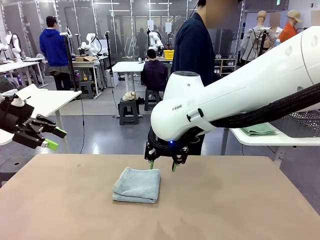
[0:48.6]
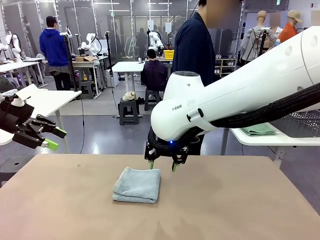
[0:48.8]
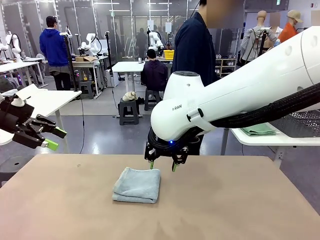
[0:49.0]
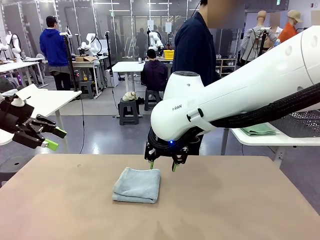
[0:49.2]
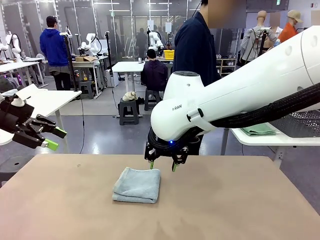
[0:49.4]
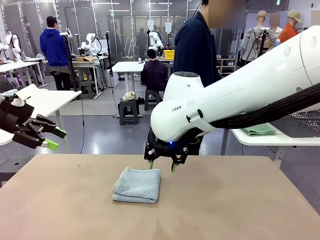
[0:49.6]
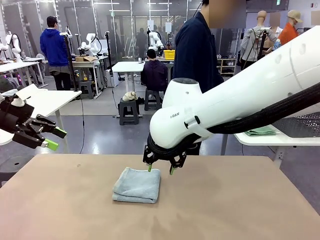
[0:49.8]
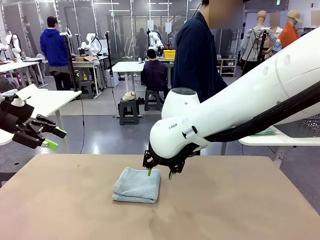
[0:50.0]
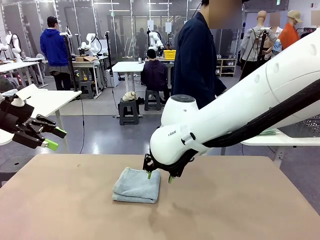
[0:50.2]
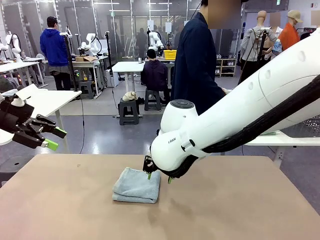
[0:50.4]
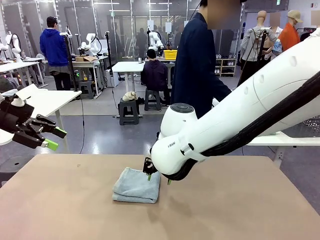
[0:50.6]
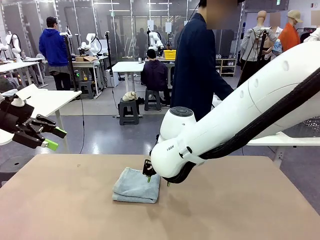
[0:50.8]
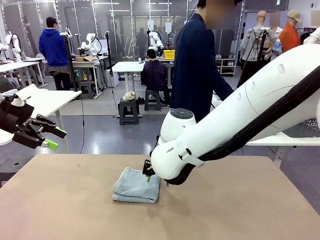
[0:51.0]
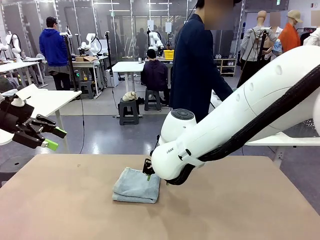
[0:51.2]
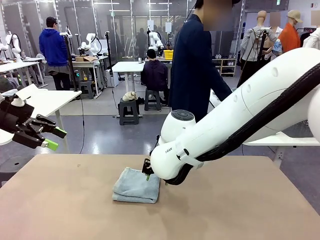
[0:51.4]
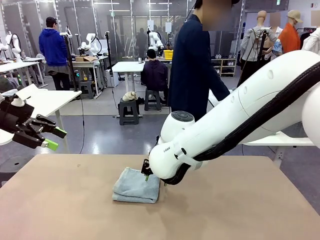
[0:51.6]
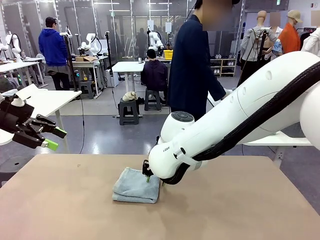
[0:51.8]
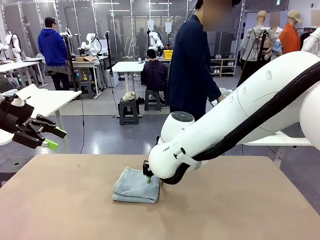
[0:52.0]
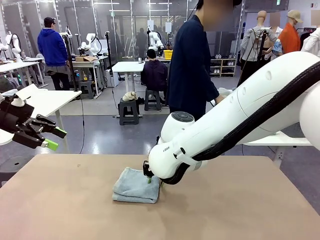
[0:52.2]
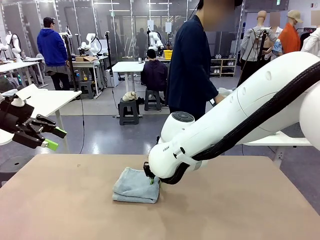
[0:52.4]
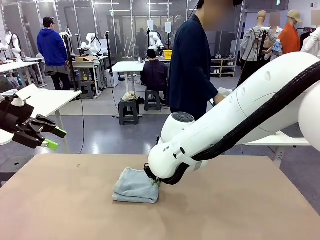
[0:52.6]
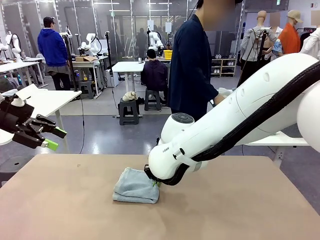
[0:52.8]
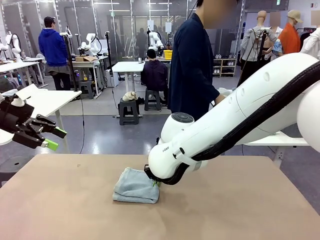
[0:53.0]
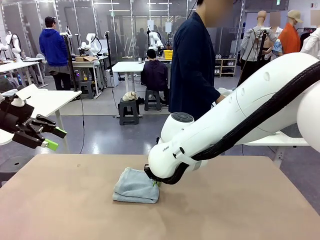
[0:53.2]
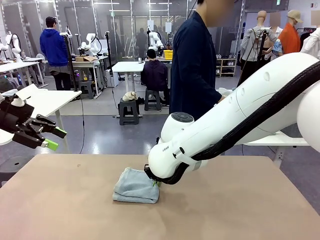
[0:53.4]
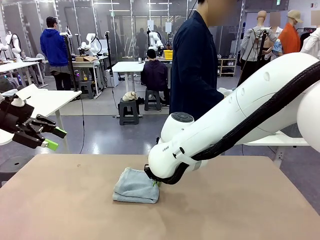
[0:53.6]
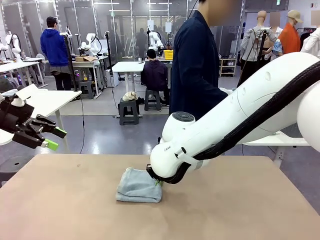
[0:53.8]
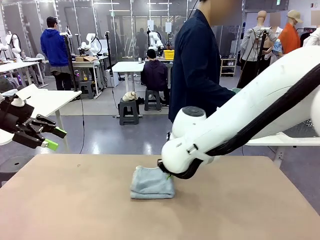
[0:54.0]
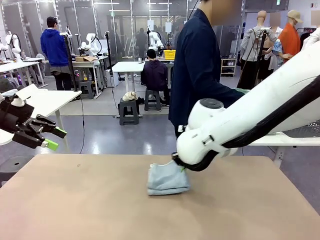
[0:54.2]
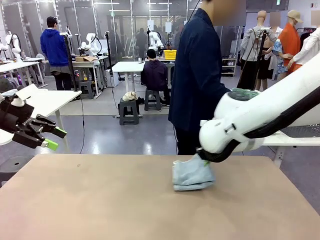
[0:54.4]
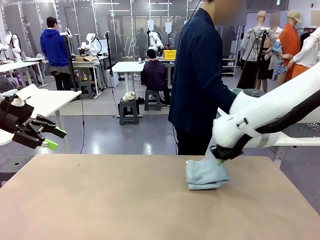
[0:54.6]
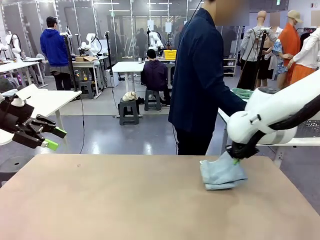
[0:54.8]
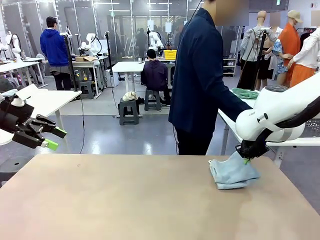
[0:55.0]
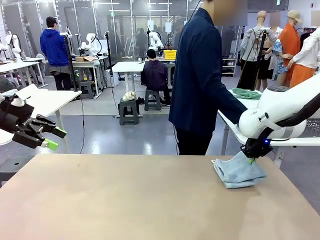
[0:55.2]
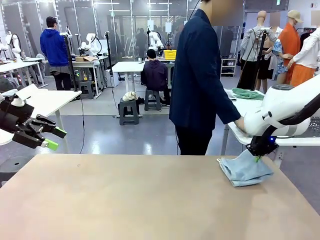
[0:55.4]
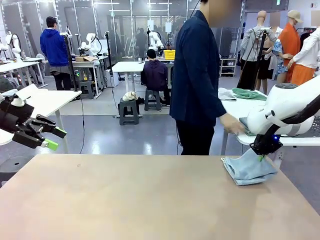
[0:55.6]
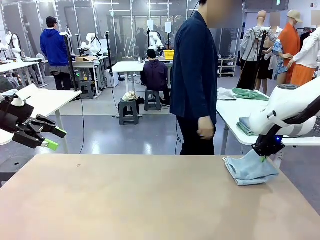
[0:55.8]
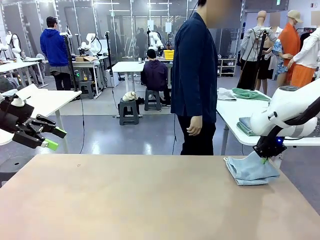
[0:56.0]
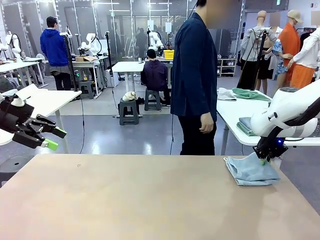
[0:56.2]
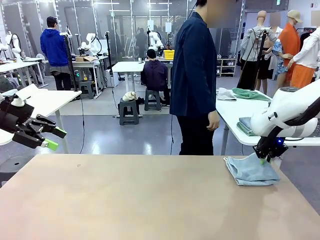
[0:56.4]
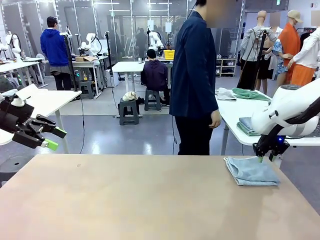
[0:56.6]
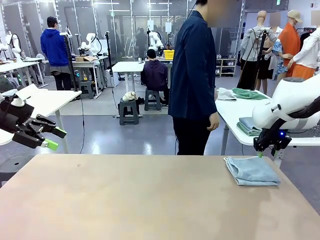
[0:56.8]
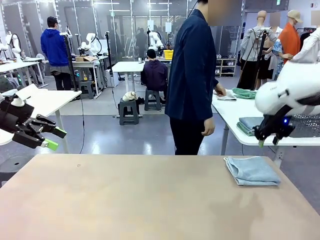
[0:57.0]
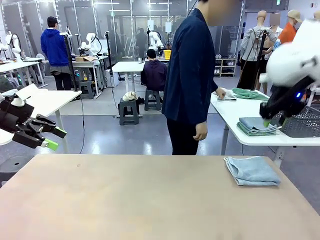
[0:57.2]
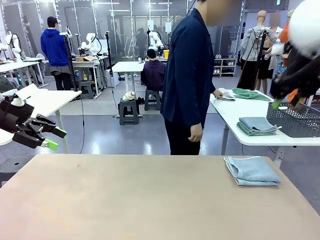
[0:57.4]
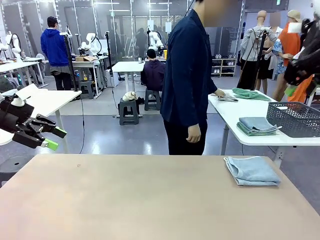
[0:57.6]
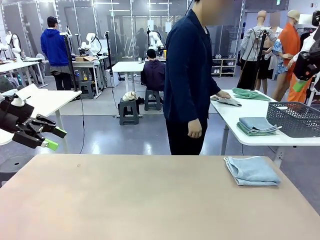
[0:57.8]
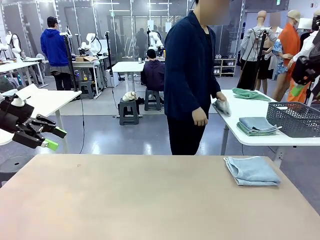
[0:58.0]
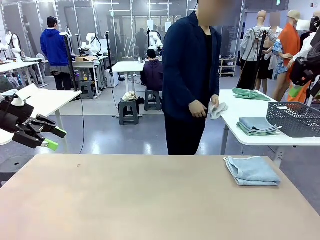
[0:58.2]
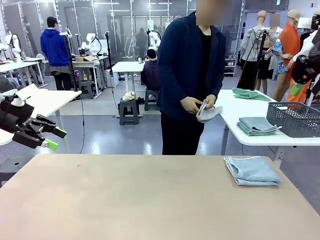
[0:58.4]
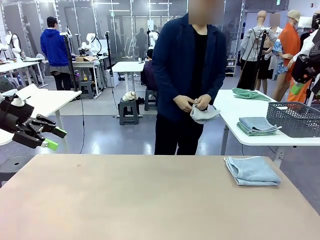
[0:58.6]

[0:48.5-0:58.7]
Task: Fold the towels and place them in the basket.
Robot: Place the folded Towel with hook on the right side of the table.

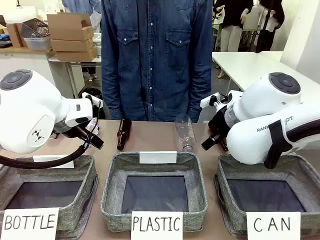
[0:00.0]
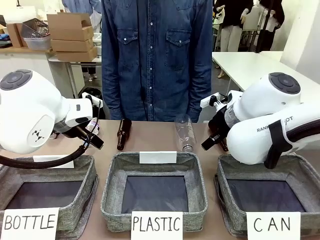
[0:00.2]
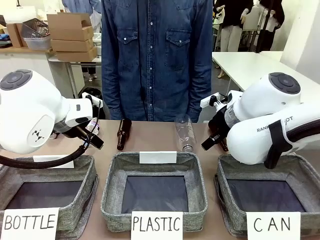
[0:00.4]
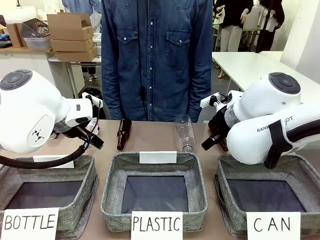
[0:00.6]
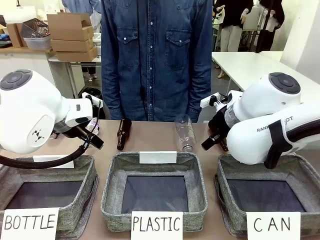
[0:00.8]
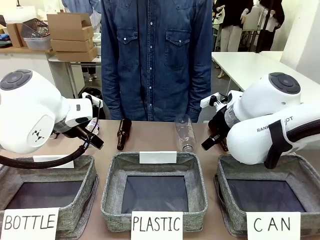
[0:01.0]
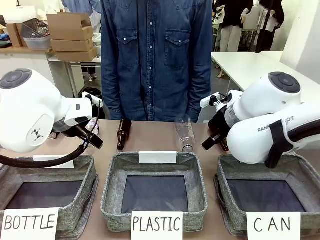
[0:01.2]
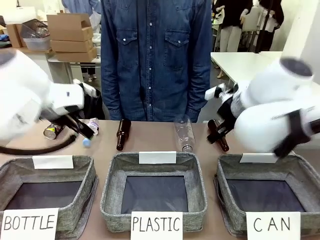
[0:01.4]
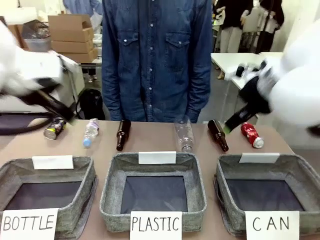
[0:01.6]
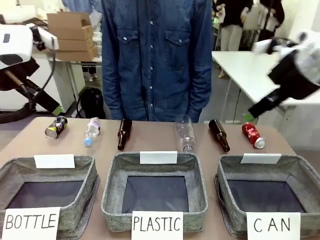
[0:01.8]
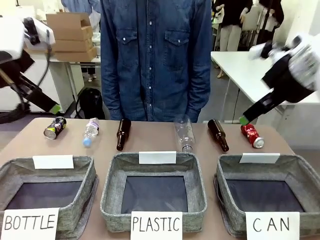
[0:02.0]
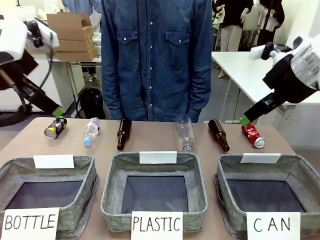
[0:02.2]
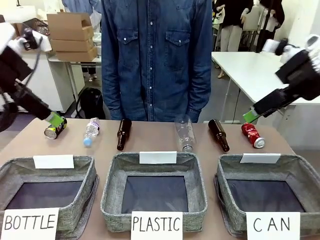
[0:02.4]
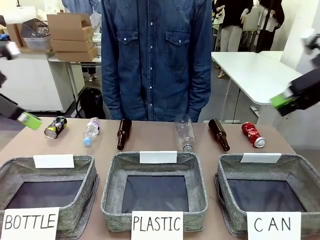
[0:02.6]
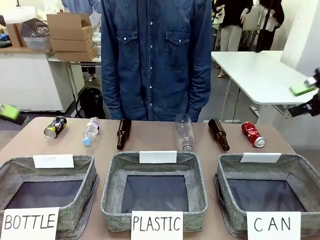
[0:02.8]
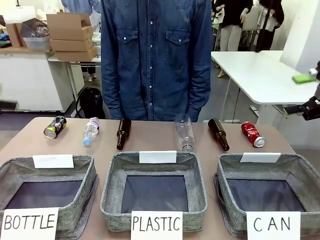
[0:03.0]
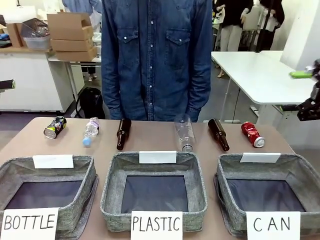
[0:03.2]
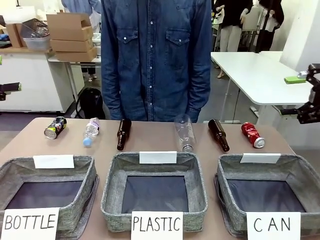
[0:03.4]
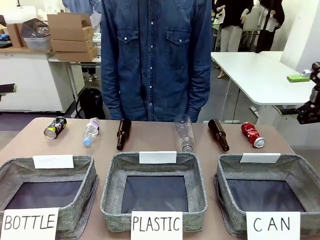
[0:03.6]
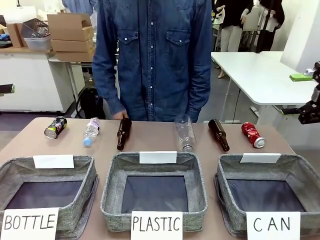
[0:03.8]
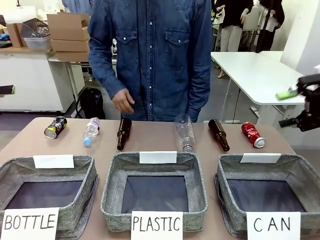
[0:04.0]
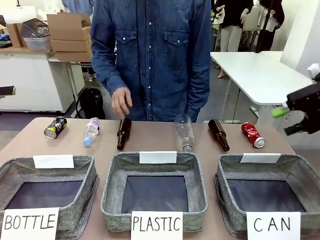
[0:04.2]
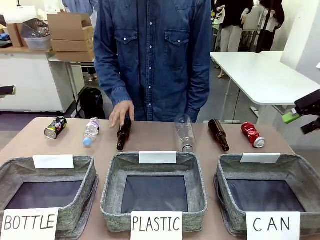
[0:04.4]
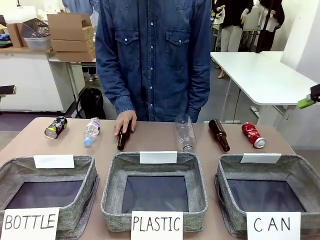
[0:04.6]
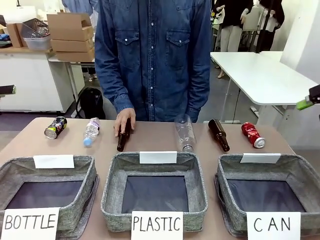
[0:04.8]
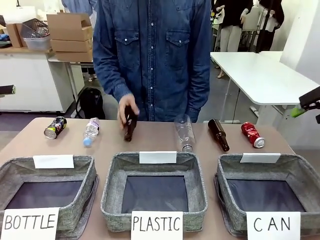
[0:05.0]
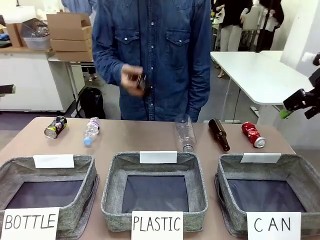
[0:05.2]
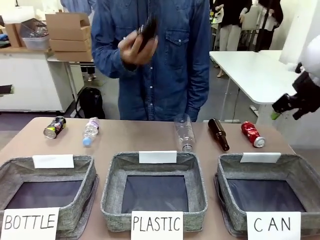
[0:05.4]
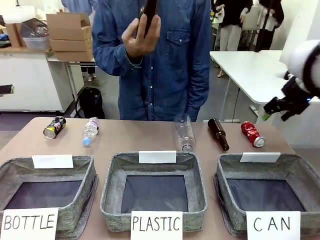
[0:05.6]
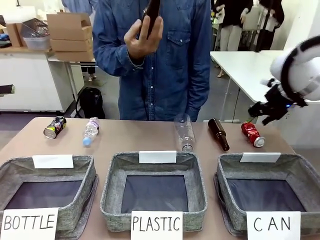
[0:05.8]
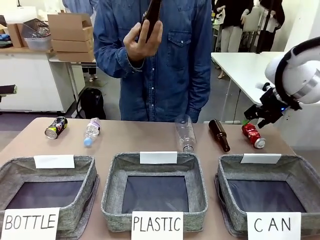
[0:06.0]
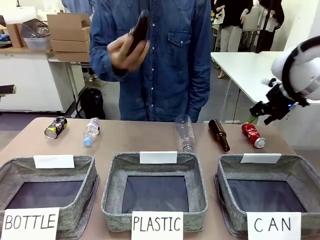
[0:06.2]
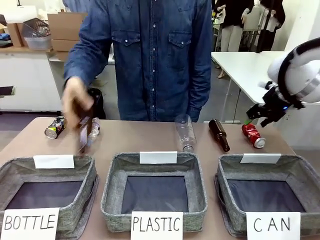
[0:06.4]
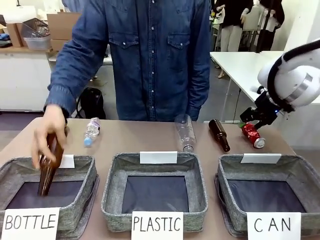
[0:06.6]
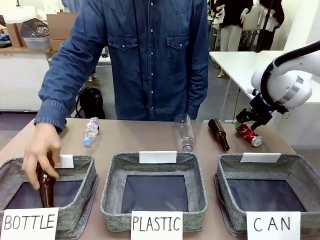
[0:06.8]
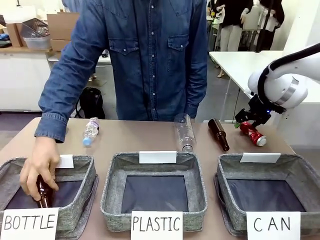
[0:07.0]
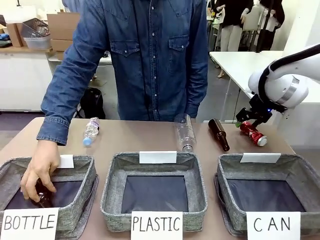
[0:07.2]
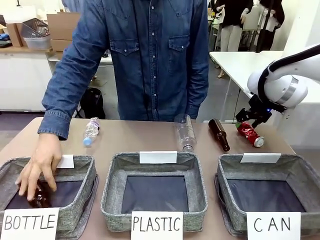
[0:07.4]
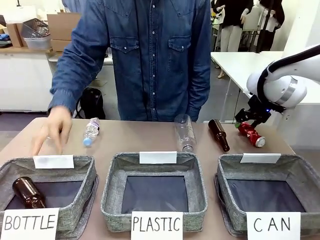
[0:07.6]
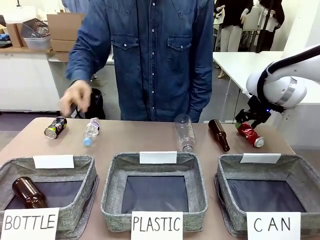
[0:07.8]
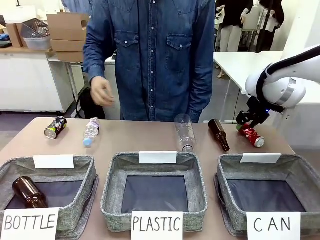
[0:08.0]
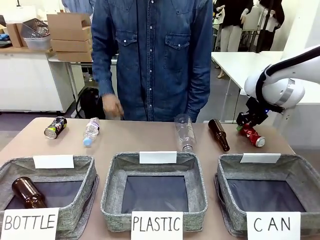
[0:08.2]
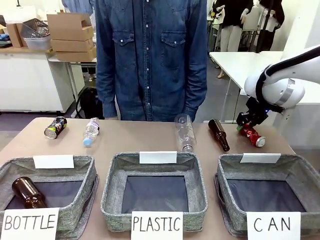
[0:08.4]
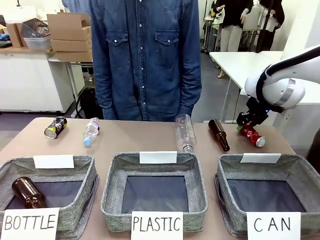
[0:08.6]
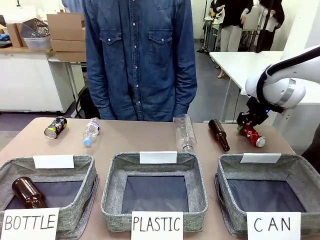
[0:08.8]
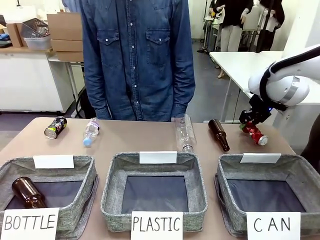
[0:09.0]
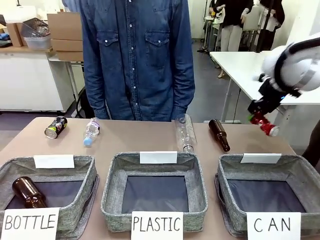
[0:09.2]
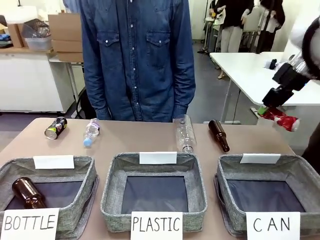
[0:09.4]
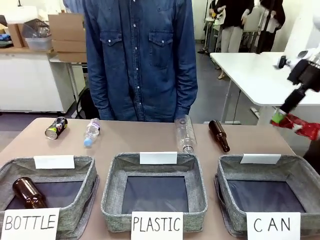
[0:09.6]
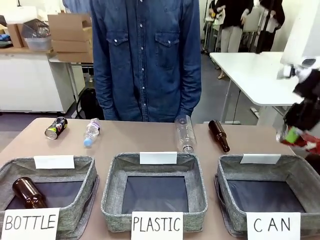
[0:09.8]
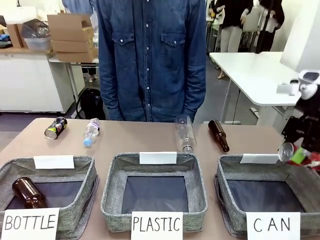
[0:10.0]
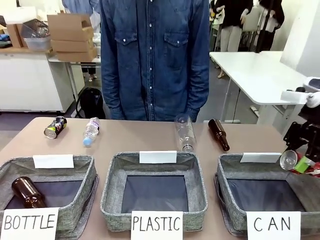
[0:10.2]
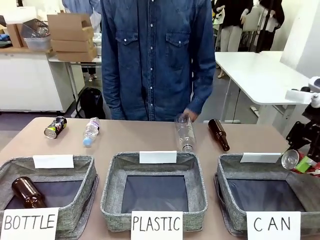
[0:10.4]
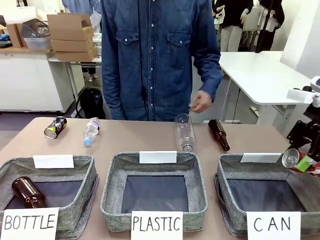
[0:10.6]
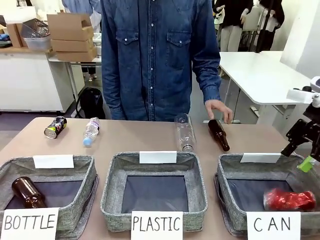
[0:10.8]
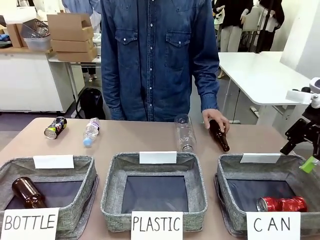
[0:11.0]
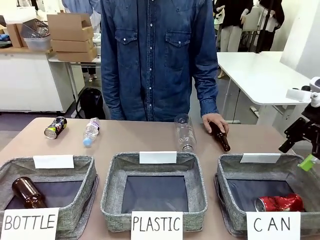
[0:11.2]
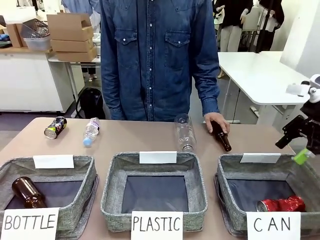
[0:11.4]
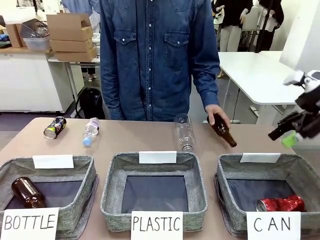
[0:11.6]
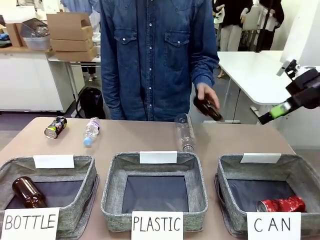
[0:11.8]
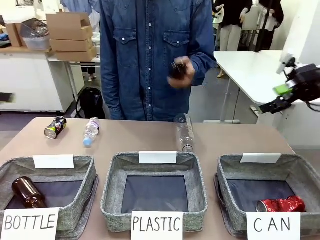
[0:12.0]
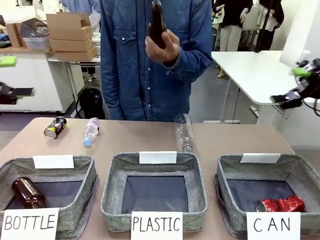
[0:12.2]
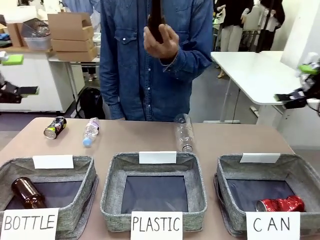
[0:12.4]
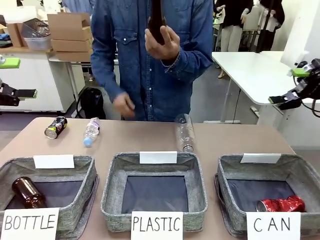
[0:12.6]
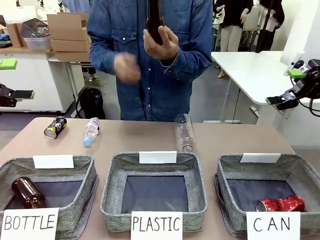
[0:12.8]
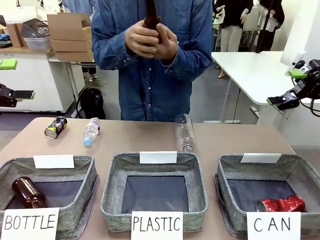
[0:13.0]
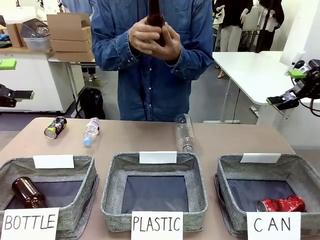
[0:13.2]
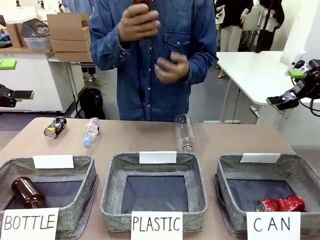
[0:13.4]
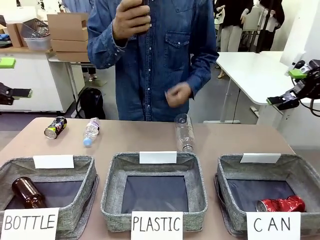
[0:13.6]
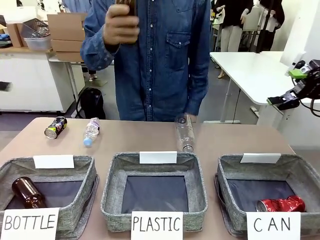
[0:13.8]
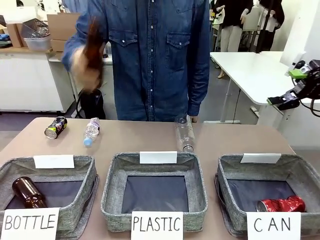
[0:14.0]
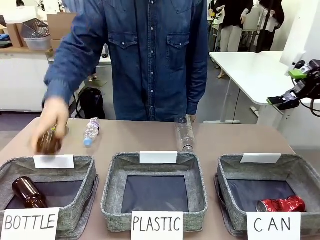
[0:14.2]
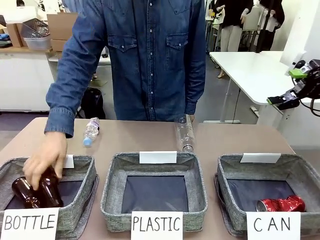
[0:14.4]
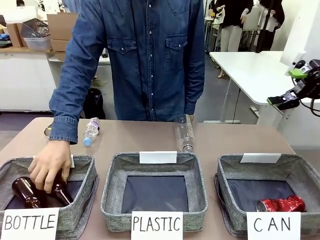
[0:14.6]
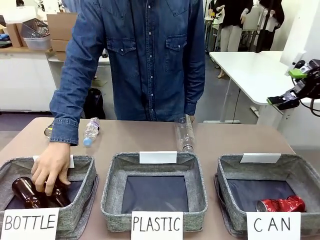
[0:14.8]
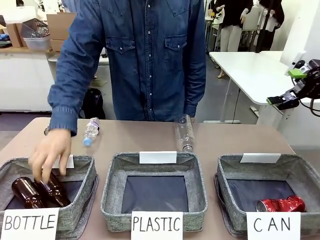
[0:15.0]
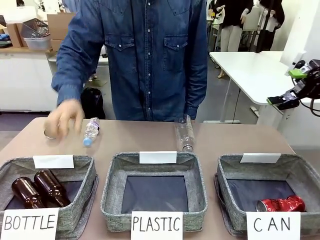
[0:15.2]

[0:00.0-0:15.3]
Task: Sort the can waste into the basket.
Robot: Pick up the can waste from the table and place it in the right Fabric basket.
